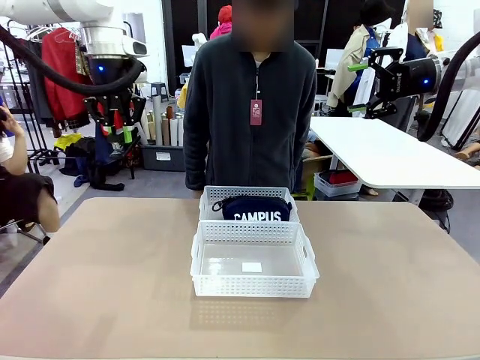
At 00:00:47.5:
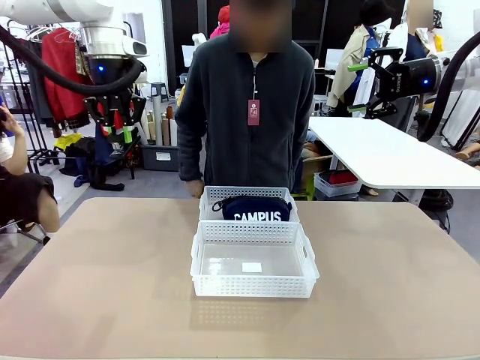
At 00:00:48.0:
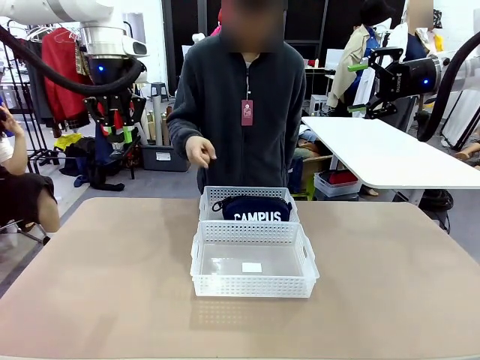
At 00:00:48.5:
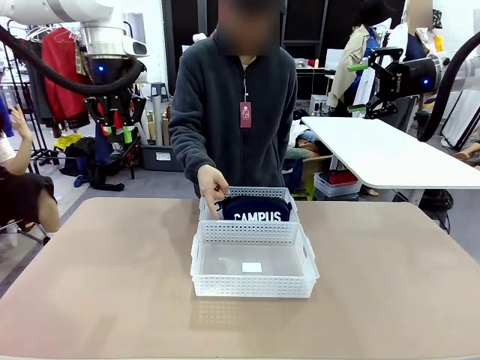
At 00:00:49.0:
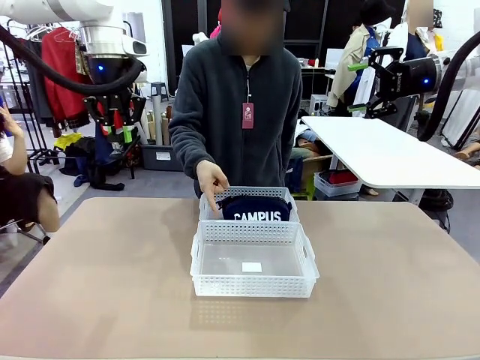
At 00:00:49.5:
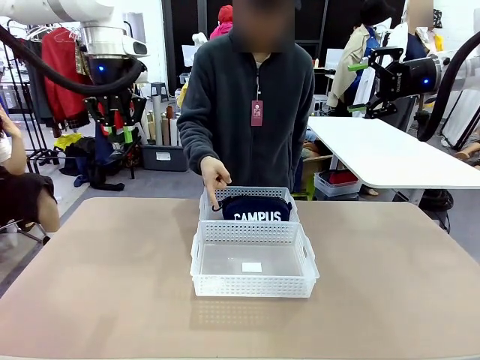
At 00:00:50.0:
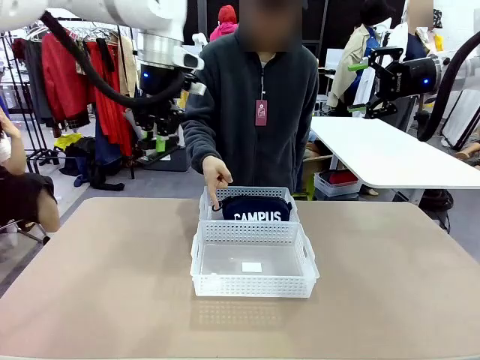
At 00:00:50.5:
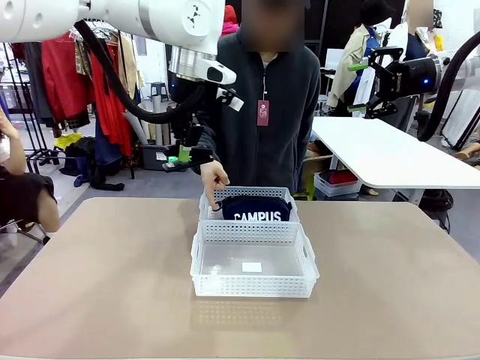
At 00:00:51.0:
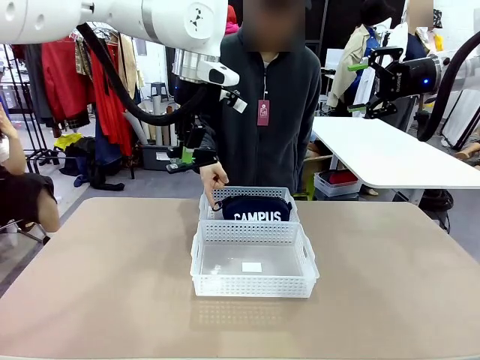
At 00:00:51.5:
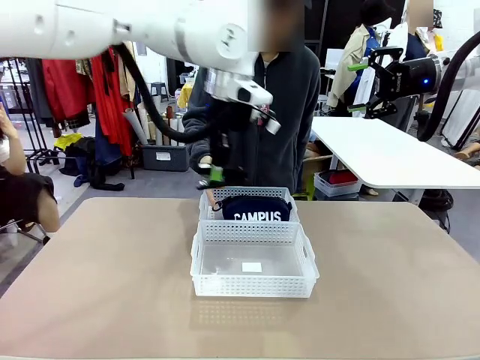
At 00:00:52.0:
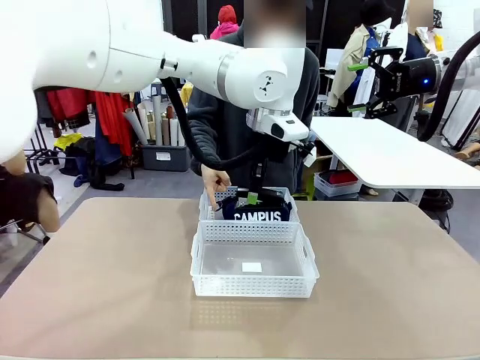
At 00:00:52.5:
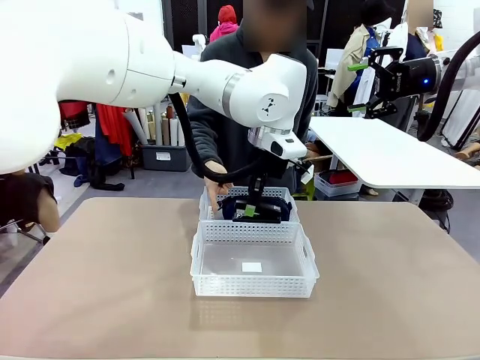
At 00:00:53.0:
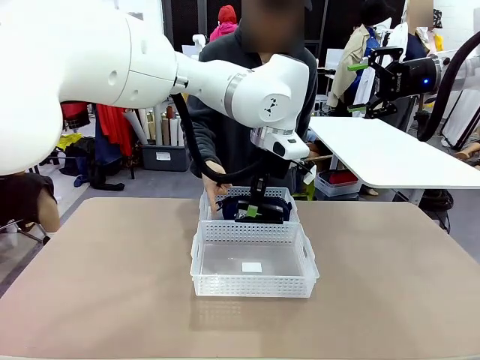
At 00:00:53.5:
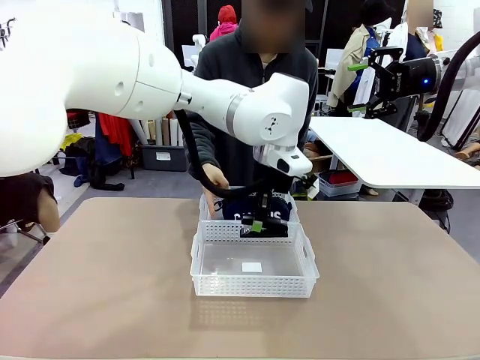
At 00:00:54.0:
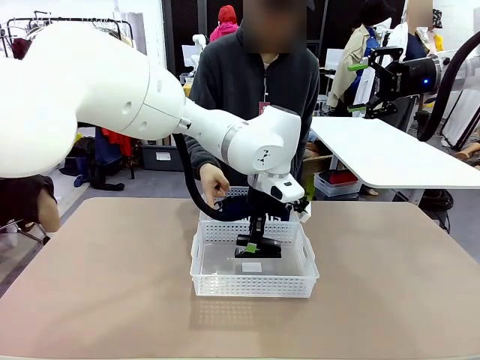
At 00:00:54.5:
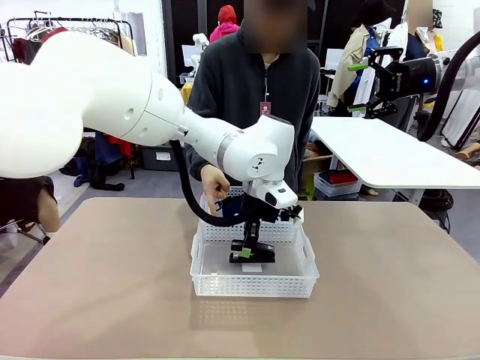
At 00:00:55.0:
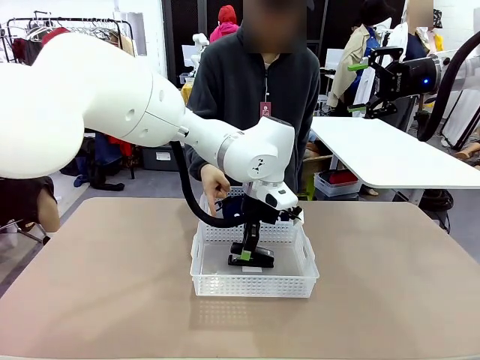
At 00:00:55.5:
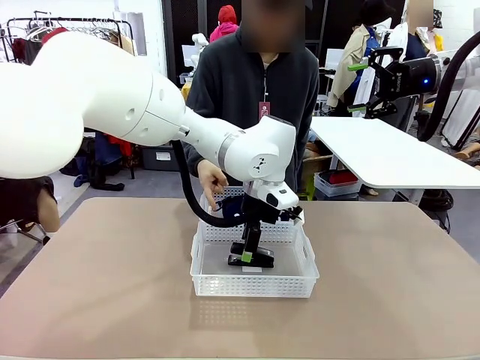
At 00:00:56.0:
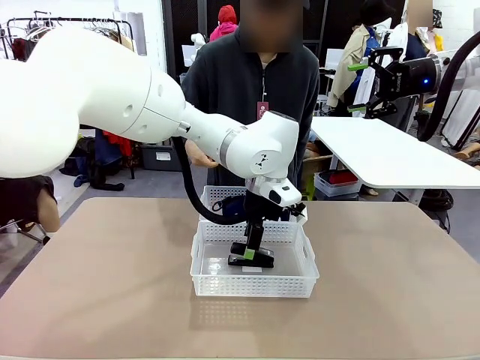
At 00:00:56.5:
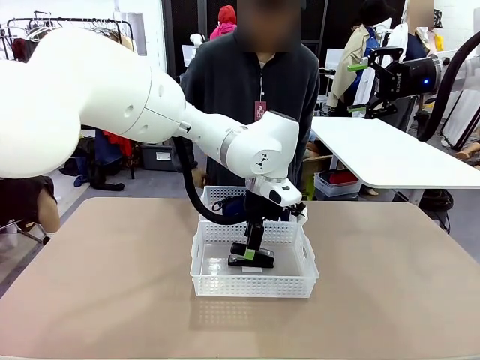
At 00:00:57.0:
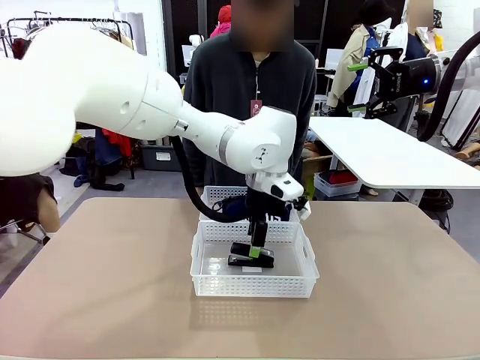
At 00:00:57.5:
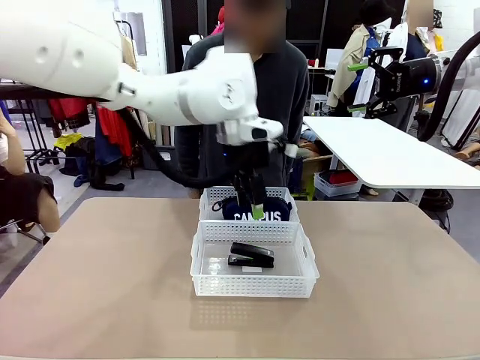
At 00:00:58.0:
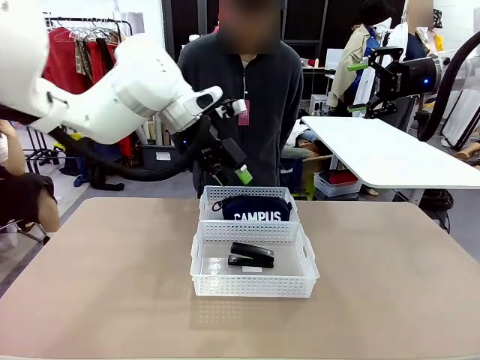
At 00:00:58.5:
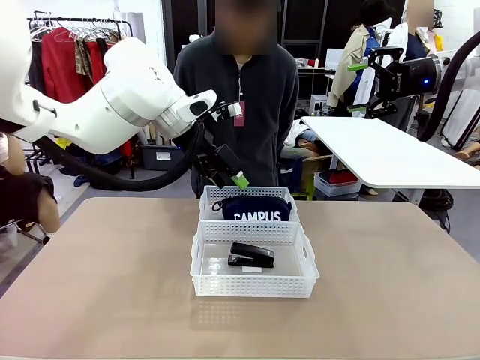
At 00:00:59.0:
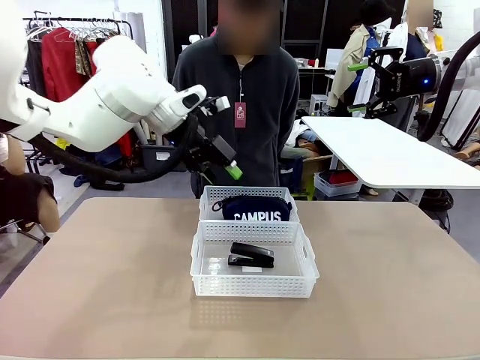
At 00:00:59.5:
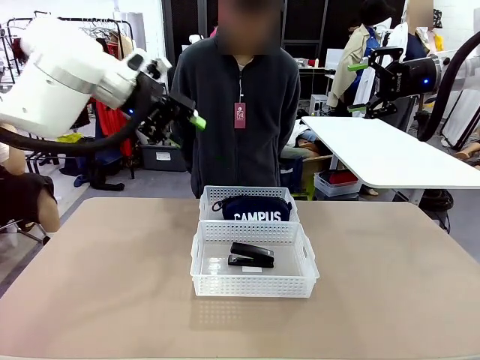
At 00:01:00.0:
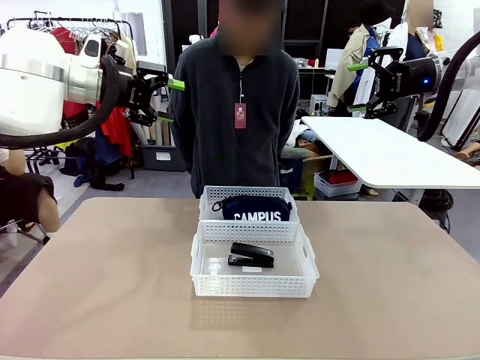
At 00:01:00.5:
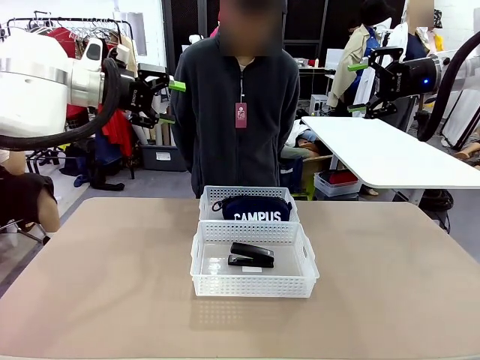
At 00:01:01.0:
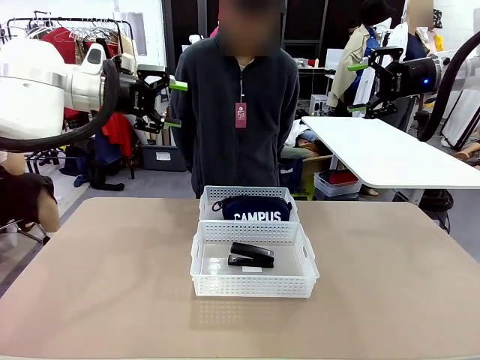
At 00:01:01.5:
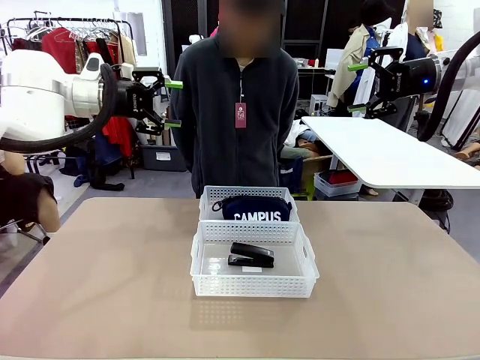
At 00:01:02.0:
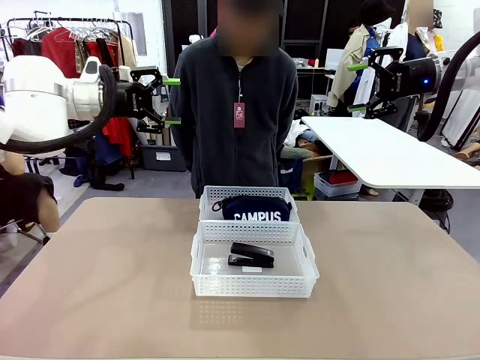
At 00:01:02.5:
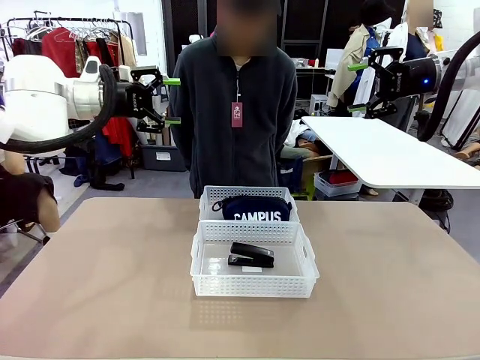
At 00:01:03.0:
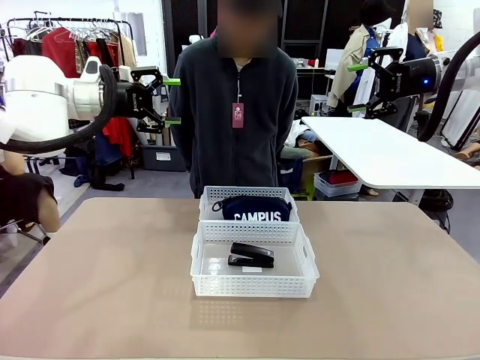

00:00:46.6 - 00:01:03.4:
Task: Distribute items into two baskets.
Robot: Place the picked Stapler into the Organizing basket as instructed by the person.
Person: Points to the basket that does not contain the pencil case and instructs the robot to move the stapler there.

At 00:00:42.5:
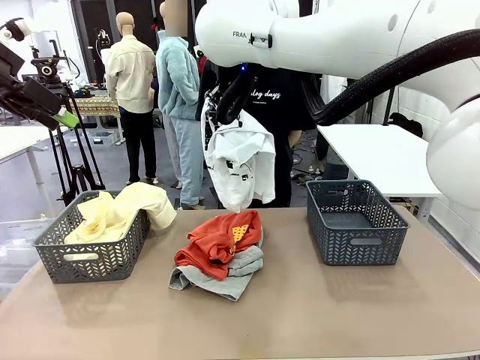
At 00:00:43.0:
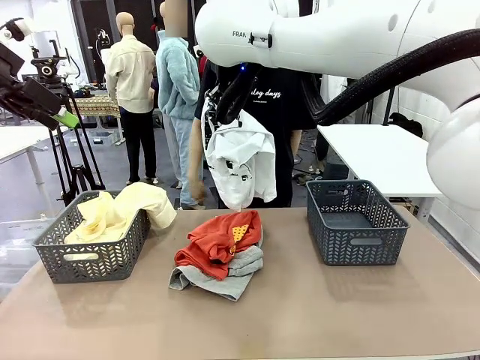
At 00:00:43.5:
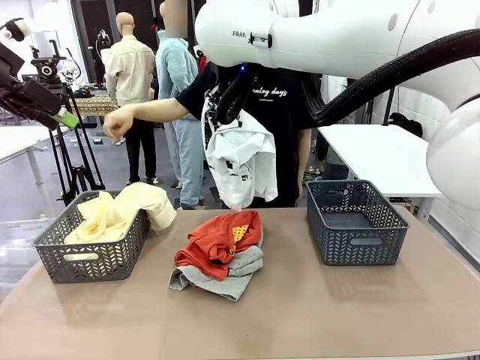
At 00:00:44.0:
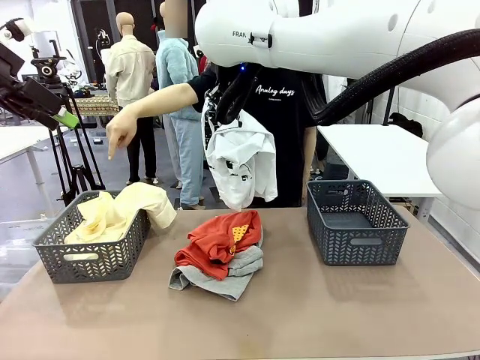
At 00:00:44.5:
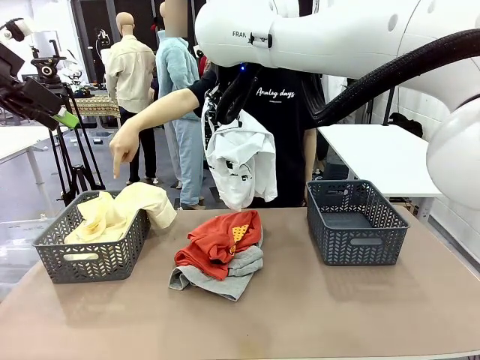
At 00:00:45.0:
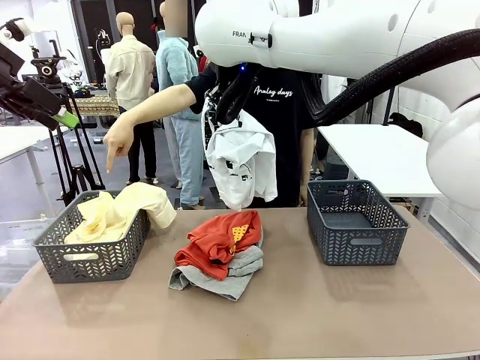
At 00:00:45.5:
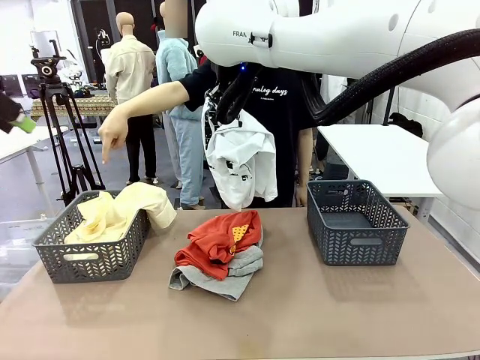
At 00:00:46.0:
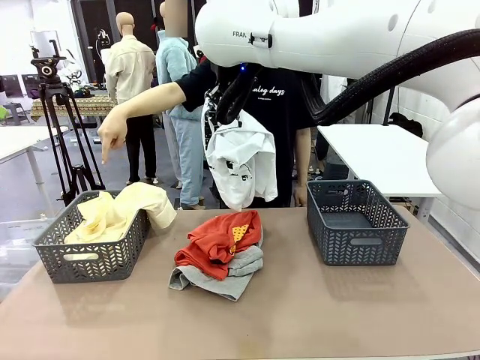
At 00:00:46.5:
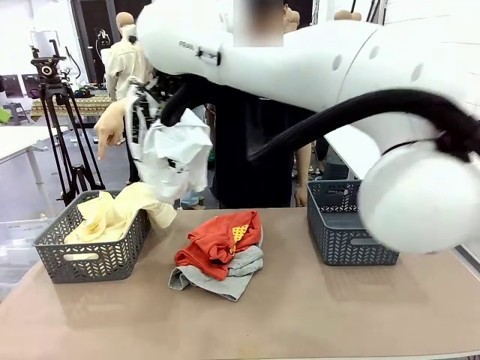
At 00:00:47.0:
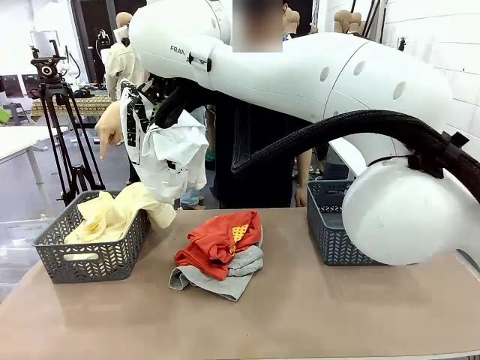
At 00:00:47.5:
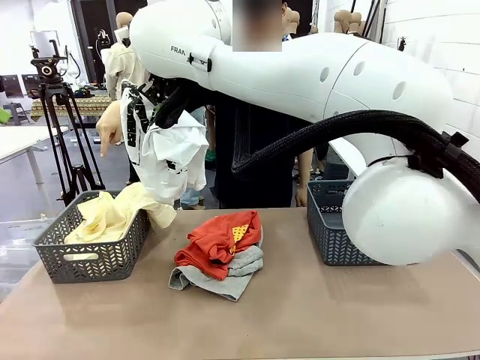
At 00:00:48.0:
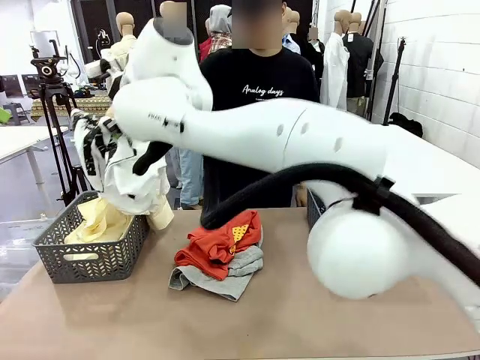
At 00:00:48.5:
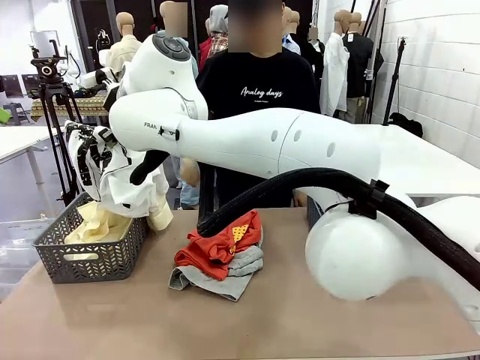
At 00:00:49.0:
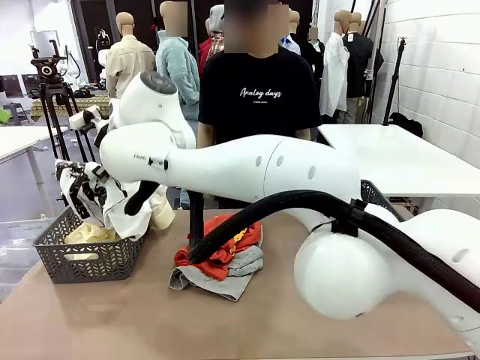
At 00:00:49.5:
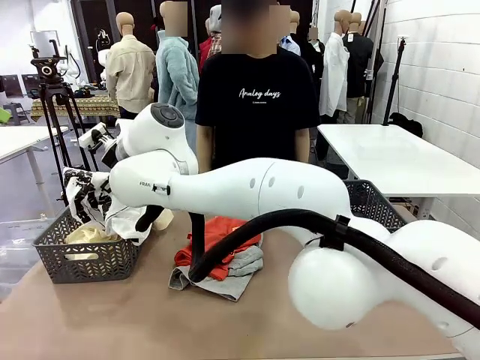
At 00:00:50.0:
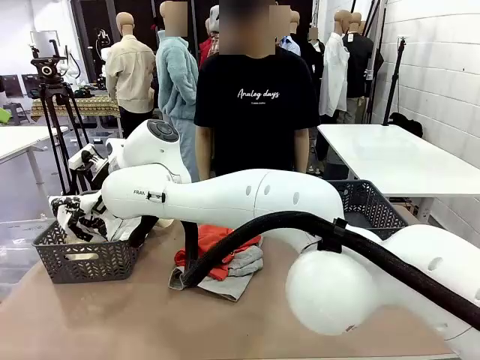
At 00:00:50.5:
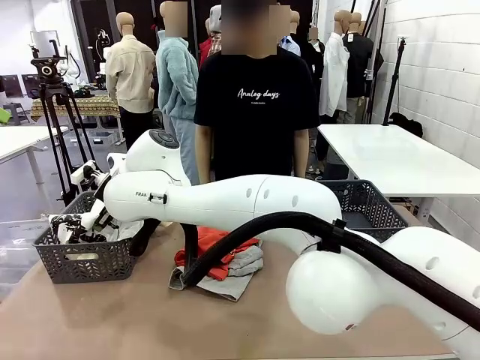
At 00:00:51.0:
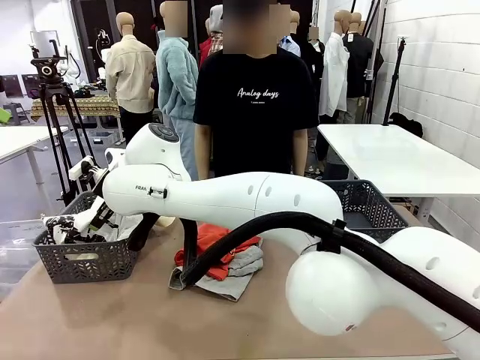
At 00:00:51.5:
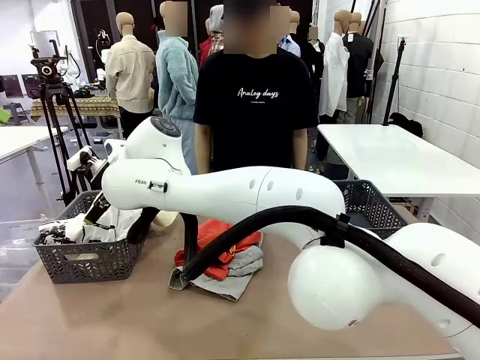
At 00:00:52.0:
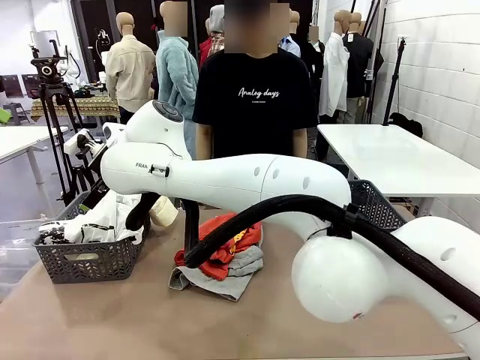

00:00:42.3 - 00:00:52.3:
Task: Sort the tops and bottoms.
Robot: Sort the clothes according to human instructions.
